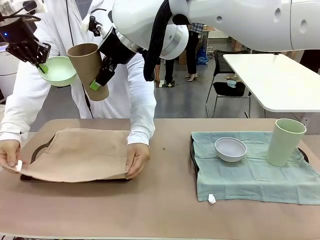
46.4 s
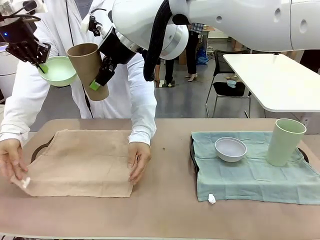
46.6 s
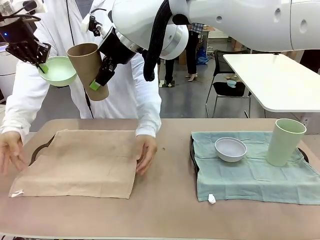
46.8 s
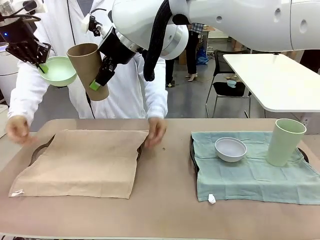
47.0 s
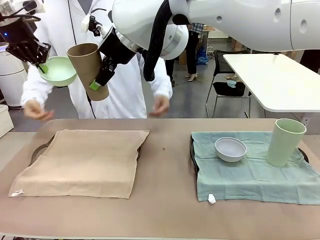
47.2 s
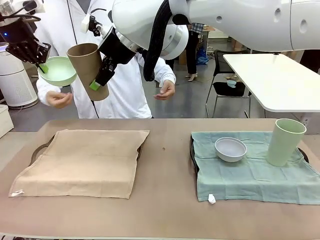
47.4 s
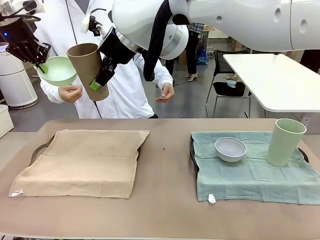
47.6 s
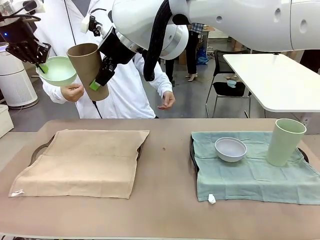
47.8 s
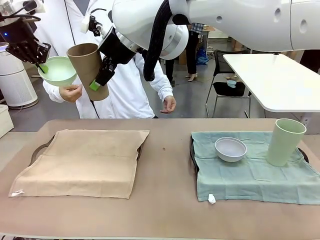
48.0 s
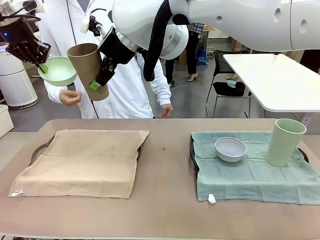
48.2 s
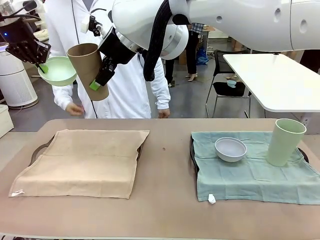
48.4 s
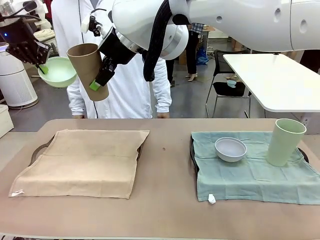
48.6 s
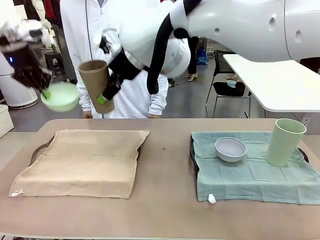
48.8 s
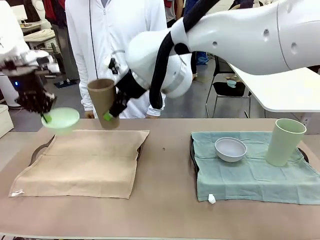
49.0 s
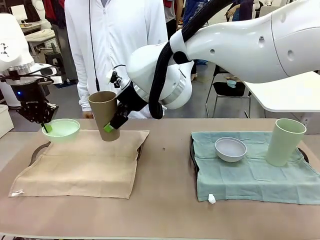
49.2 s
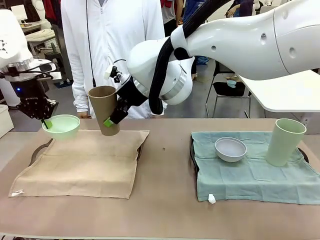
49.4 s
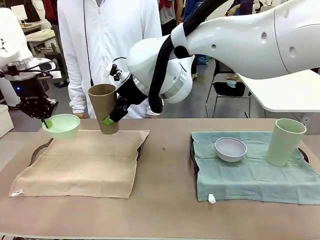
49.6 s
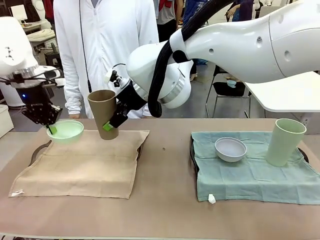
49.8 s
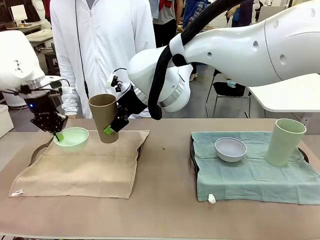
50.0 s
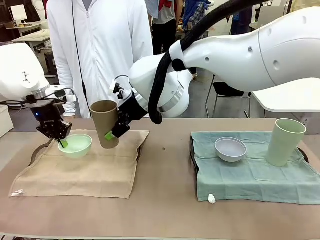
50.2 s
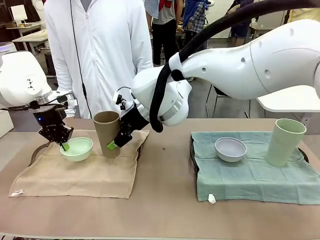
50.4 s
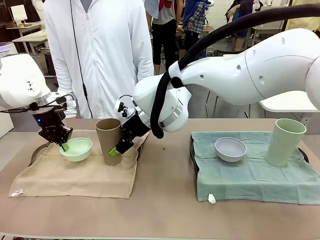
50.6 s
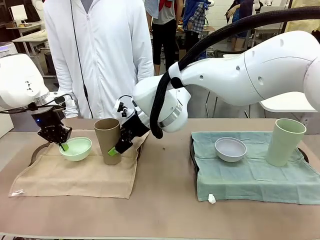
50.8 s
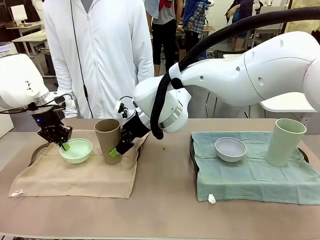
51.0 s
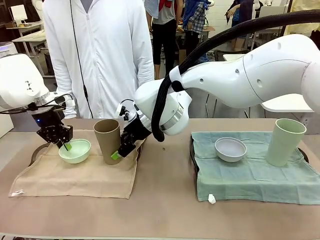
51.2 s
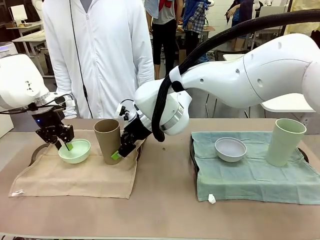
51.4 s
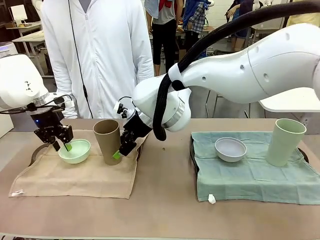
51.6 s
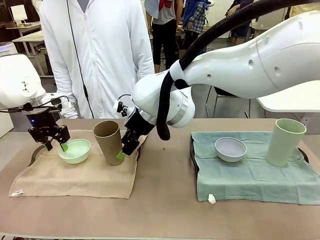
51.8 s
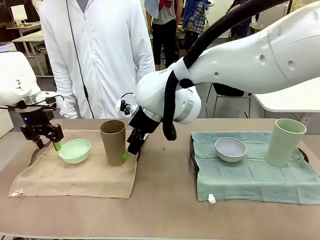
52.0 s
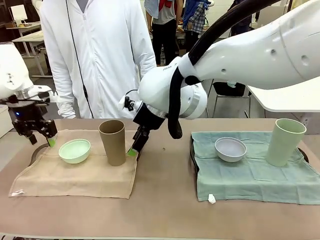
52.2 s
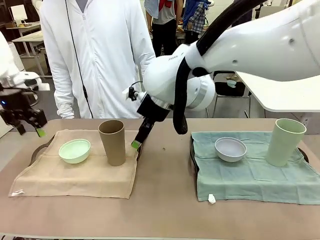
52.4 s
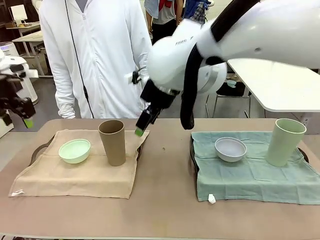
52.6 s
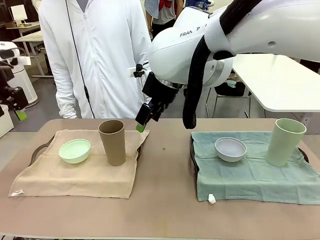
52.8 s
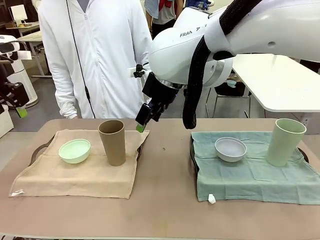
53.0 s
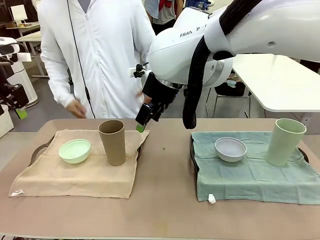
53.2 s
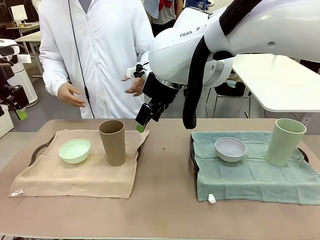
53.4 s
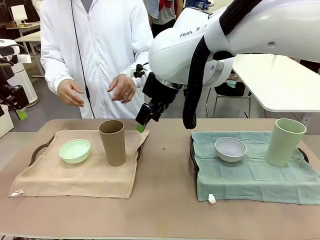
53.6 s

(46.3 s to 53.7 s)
Robot: Place the Picnic Bowl and Reusable plastic cup back onto the Handle tray in front of the human's position.

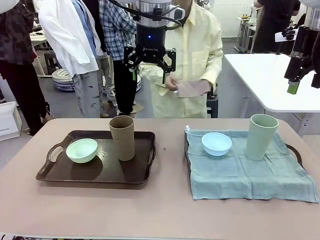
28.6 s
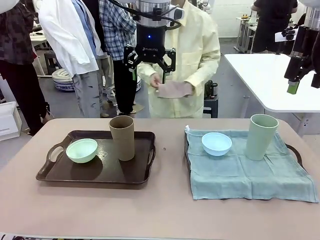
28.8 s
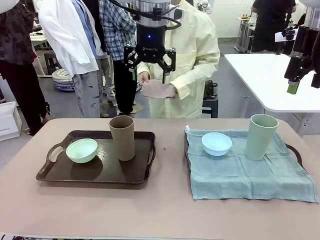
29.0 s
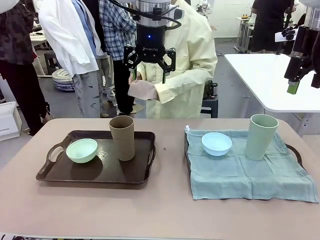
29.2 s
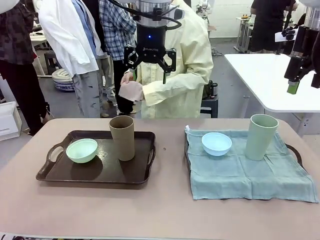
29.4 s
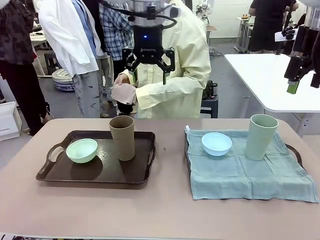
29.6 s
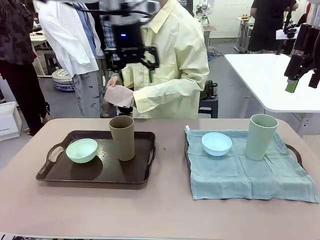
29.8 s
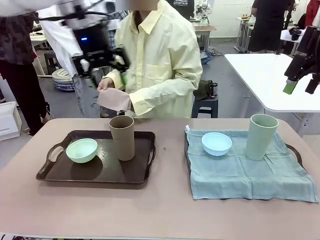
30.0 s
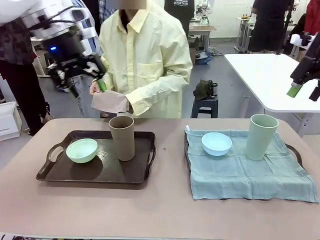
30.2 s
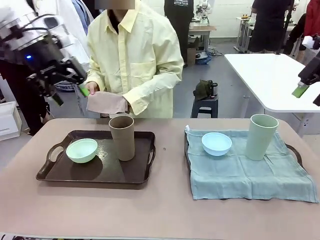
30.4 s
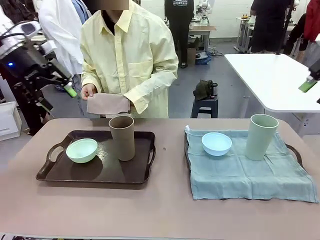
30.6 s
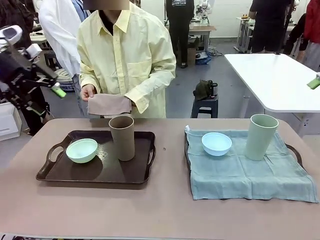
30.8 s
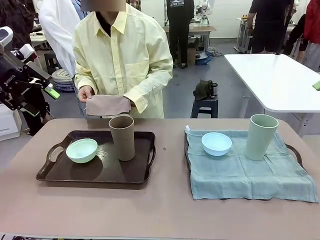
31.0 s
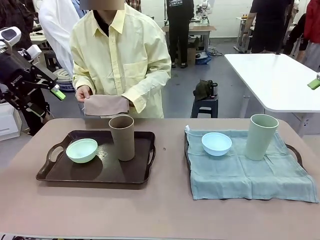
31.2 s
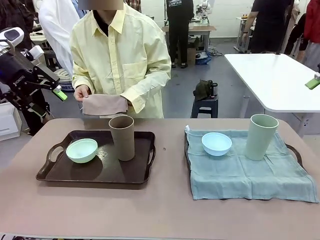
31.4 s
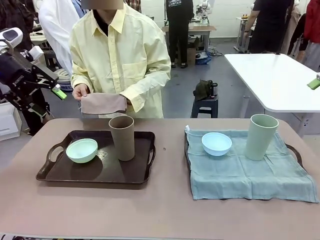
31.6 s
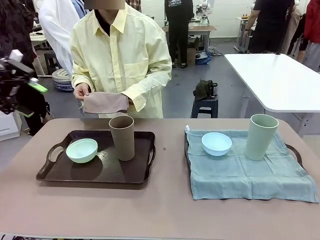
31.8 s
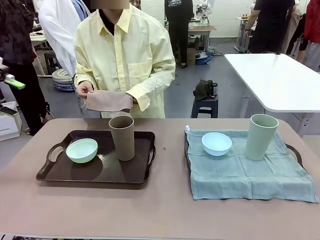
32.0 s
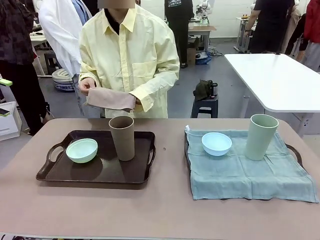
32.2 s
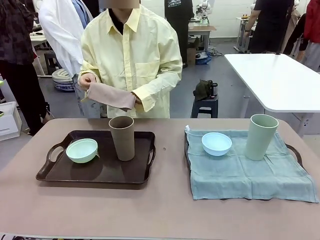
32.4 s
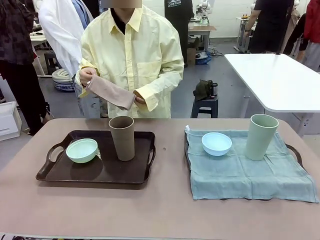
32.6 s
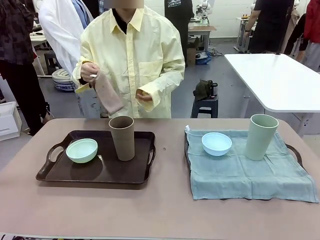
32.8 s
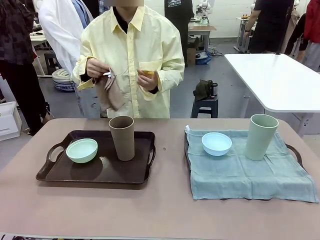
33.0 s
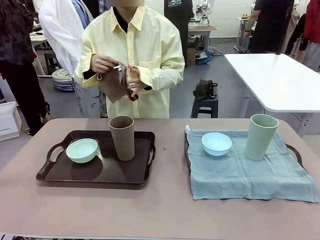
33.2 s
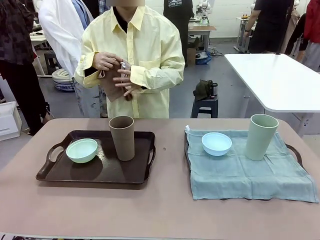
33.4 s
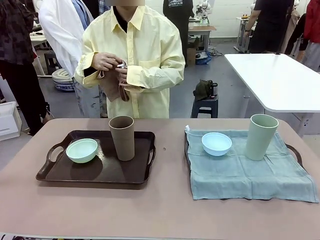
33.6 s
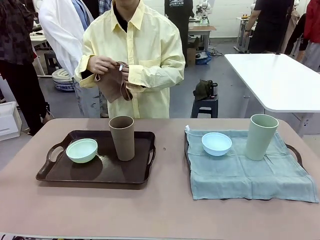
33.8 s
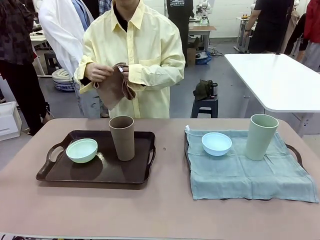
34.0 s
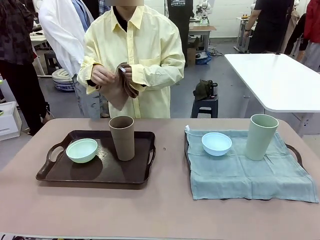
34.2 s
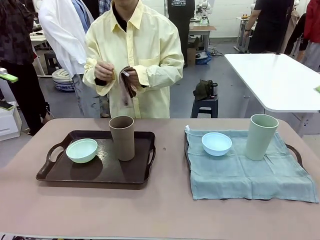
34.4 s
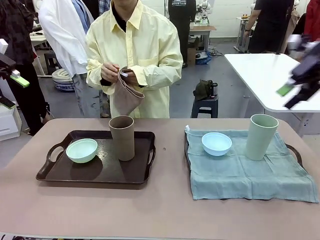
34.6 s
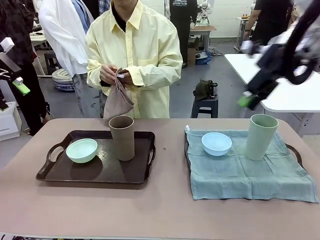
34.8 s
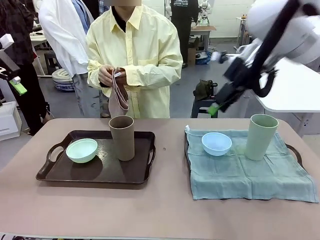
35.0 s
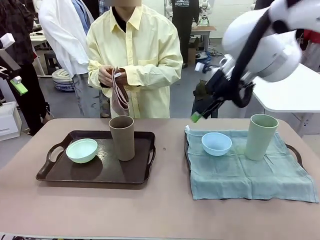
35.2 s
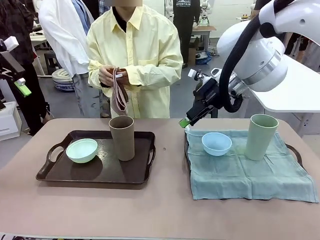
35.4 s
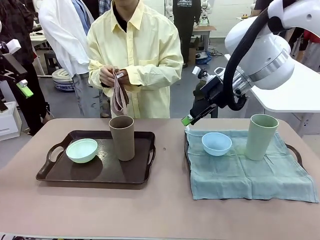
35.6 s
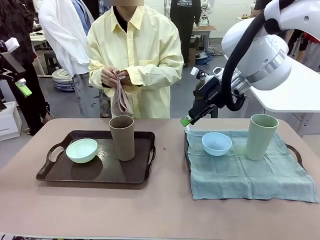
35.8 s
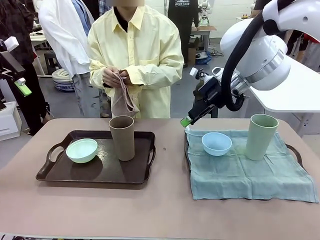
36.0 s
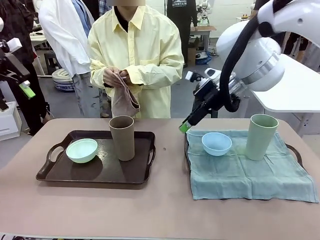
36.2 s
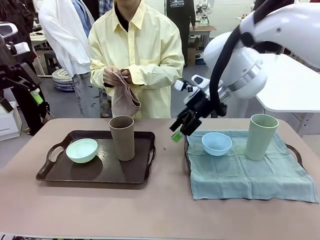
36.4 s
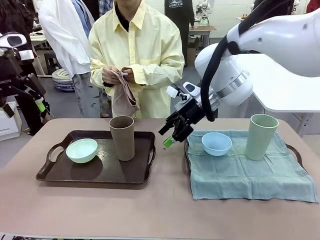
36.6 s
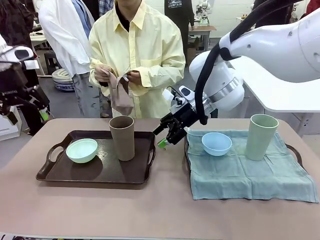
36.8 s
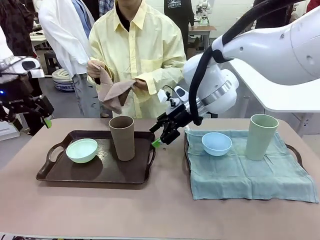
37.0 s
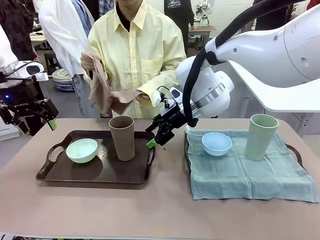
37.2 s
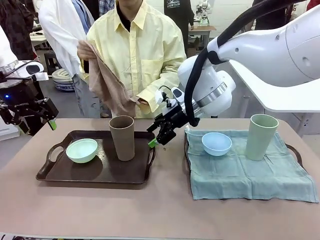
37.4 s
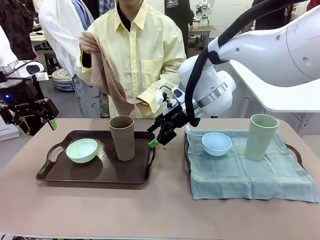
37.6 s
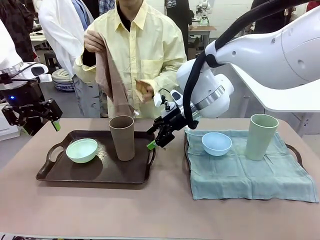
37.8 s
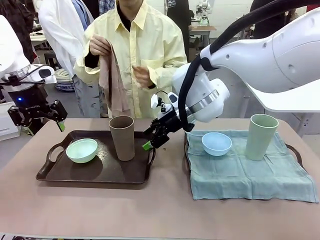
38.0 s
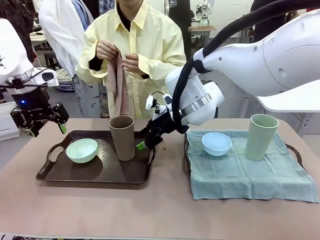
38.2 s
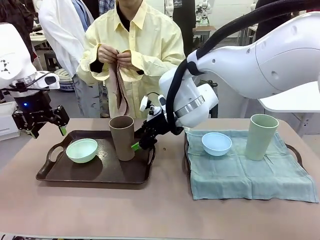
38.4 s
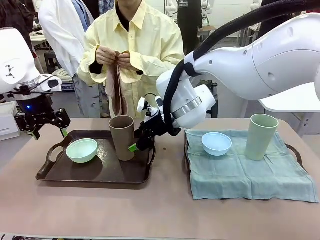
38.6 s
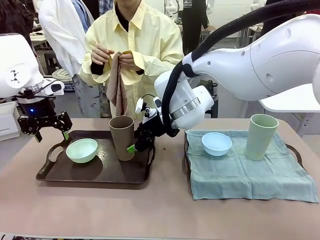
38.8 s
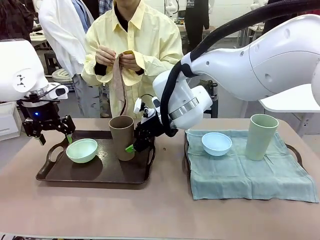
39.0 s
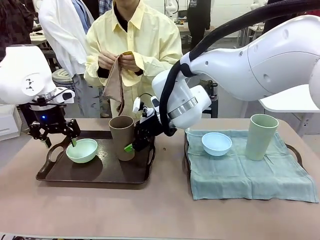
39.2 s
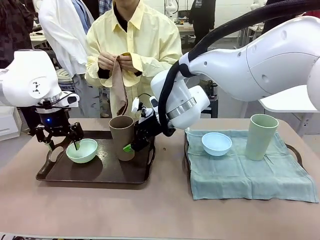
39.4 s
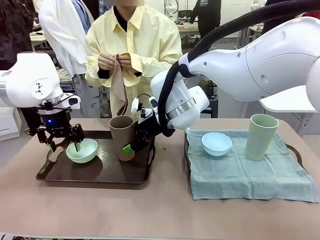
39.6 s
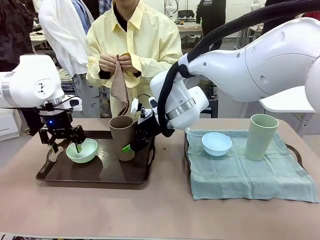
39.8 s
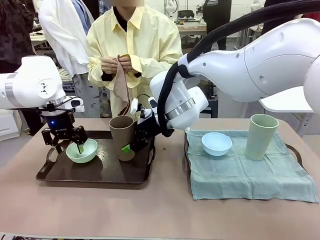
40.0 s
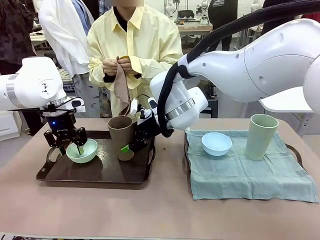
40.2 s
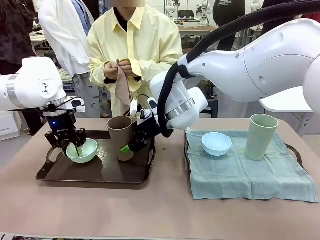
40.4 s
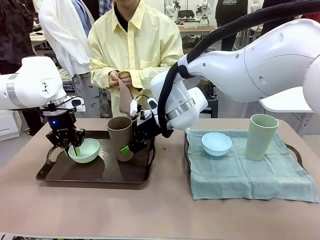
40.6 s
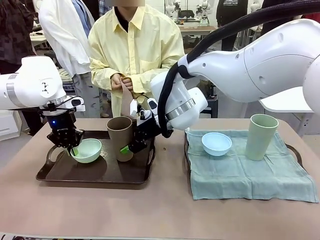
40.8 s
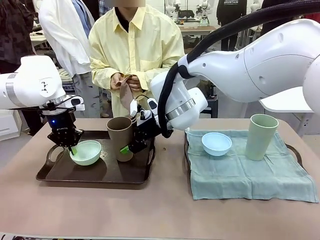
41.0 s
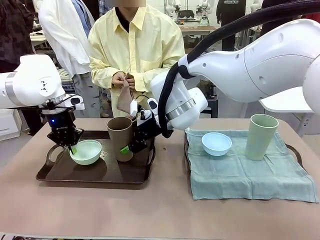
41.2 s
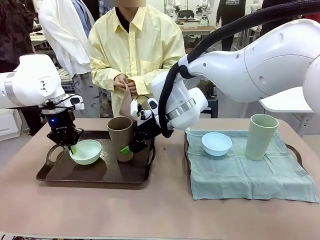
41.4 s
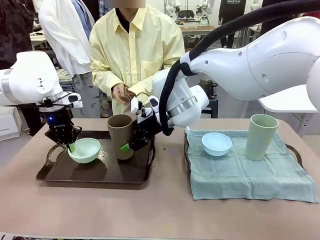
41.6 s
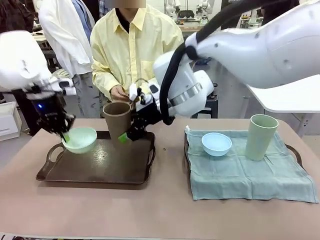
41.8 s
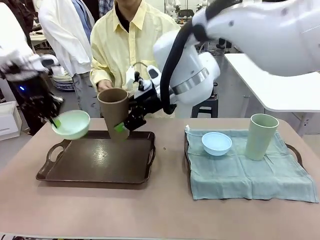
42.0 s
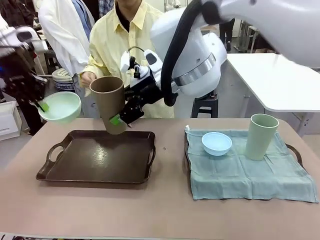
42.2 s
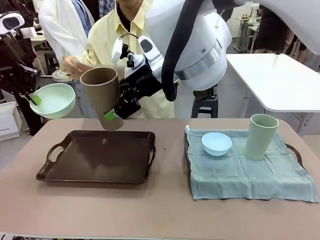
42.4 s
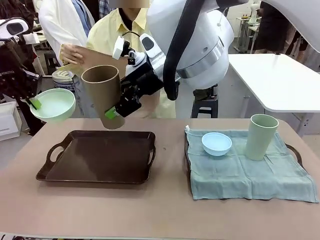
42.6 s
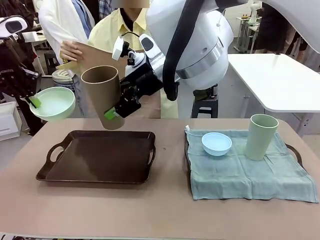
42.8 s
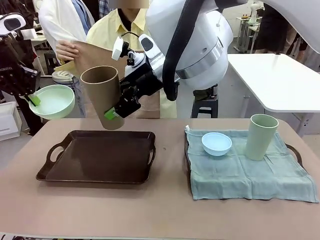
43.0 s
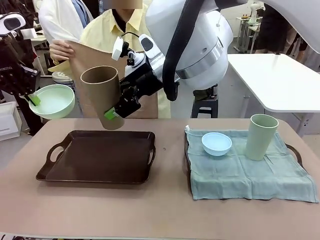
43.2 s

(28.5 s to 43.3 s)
Robot: Pick up the Picnic Bowl and Reusable plastic cup from the Handle tray in front of the human's position and hold them in the air.
